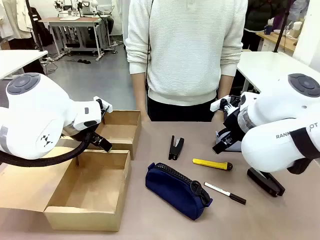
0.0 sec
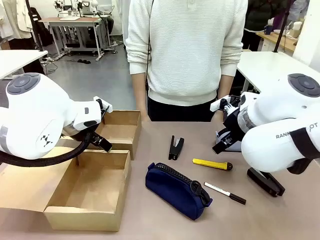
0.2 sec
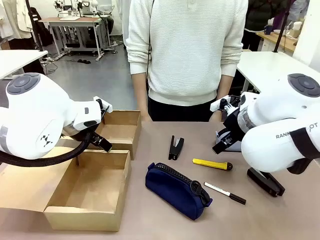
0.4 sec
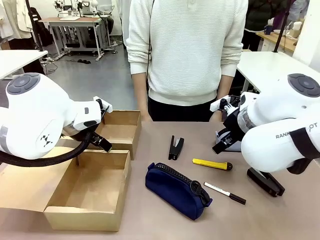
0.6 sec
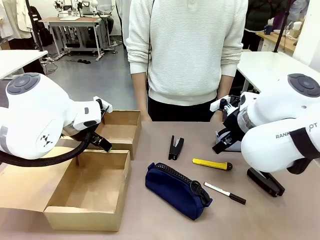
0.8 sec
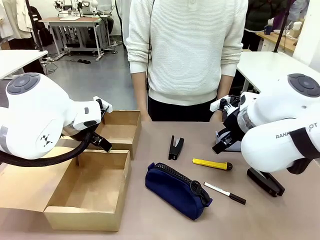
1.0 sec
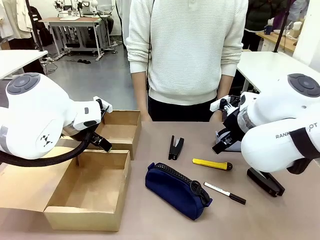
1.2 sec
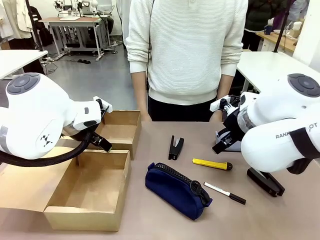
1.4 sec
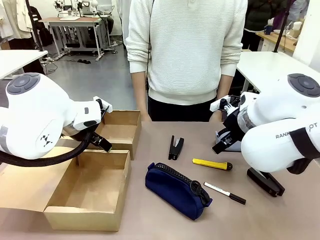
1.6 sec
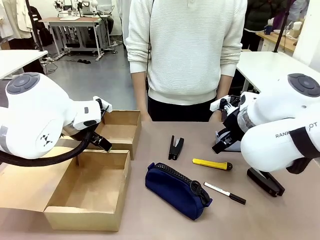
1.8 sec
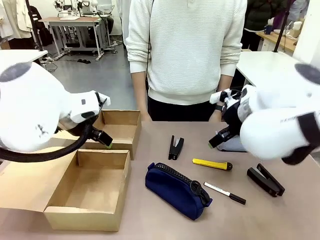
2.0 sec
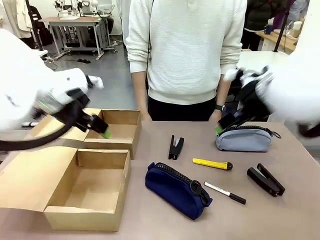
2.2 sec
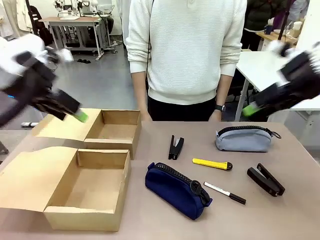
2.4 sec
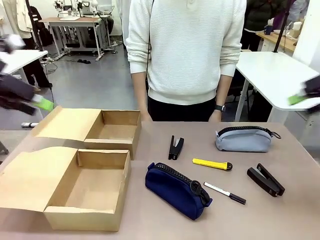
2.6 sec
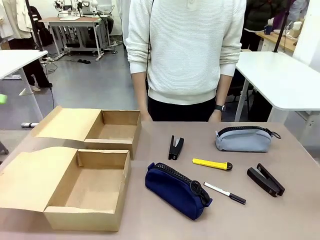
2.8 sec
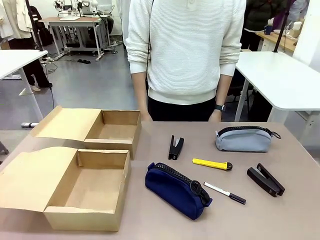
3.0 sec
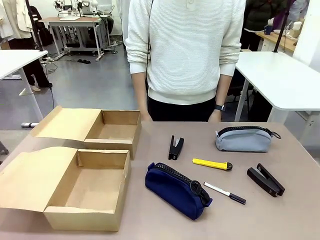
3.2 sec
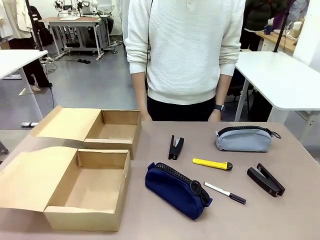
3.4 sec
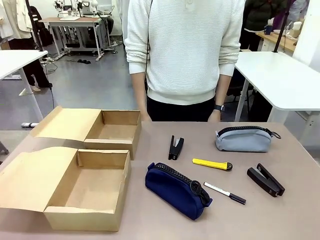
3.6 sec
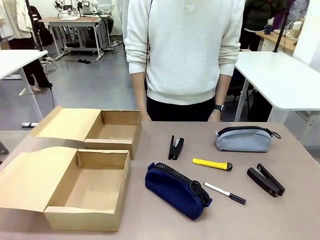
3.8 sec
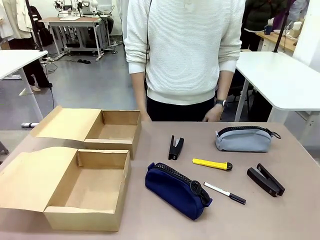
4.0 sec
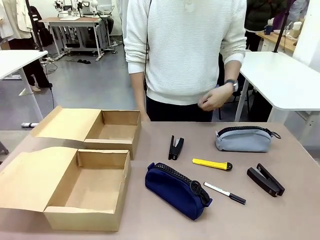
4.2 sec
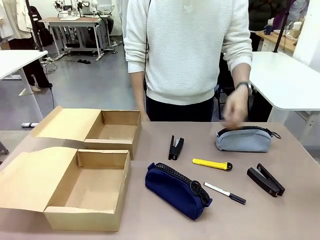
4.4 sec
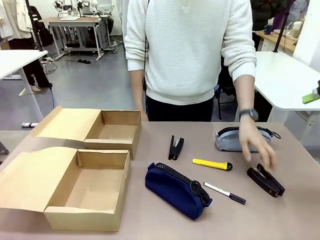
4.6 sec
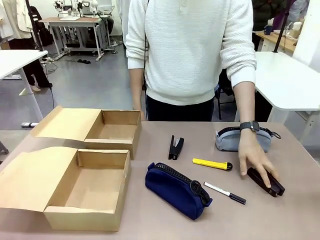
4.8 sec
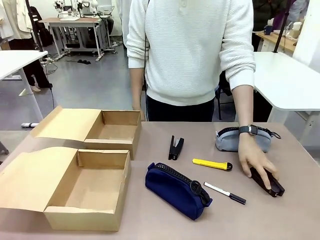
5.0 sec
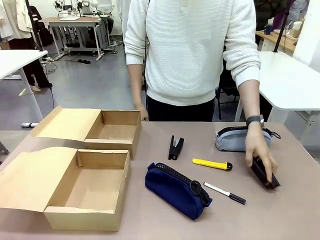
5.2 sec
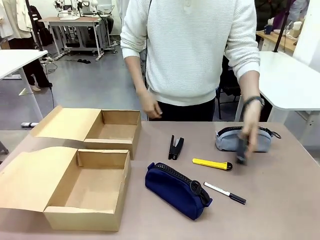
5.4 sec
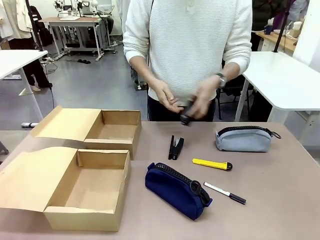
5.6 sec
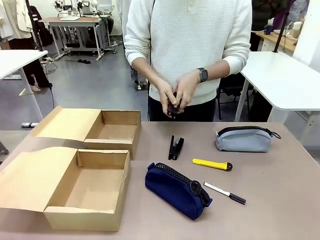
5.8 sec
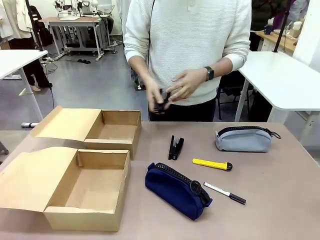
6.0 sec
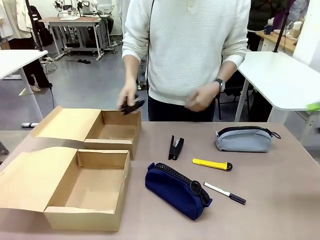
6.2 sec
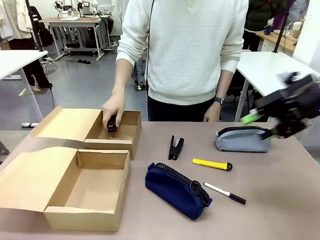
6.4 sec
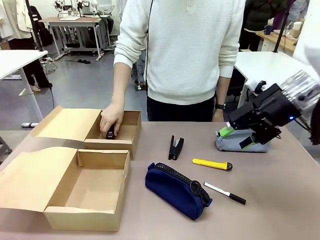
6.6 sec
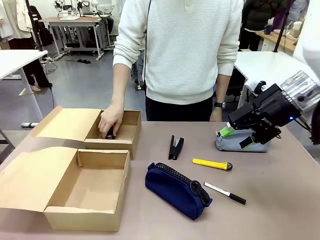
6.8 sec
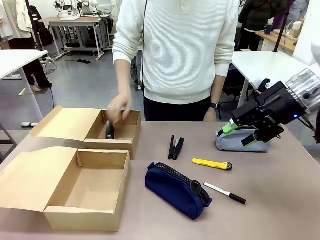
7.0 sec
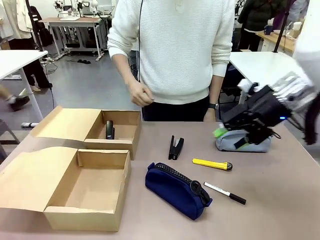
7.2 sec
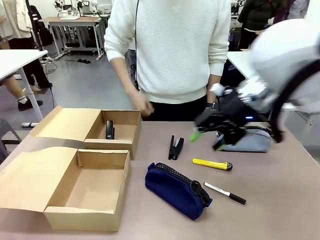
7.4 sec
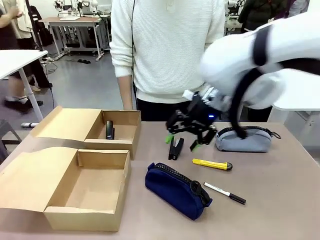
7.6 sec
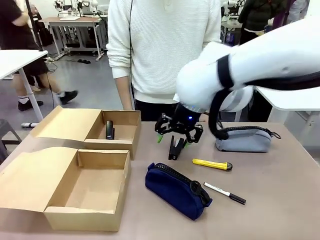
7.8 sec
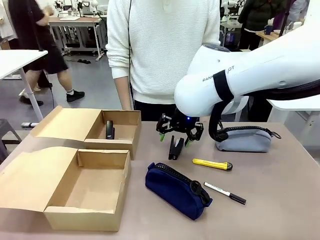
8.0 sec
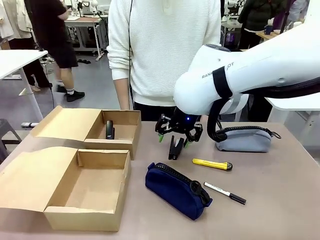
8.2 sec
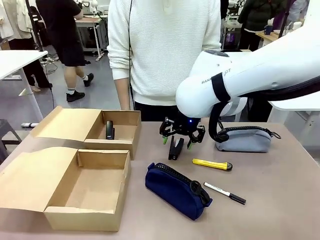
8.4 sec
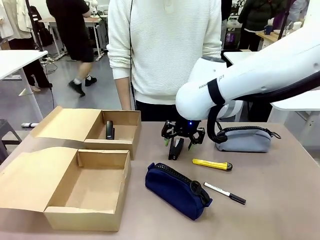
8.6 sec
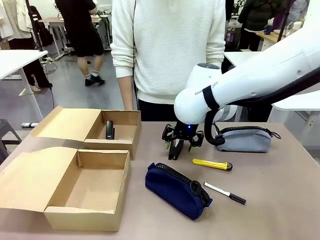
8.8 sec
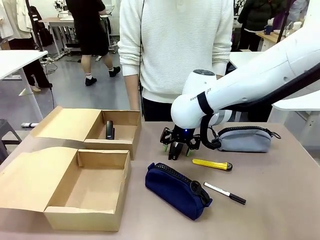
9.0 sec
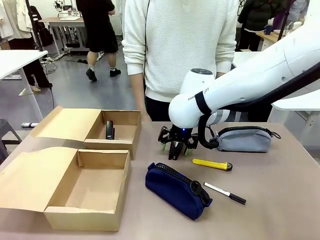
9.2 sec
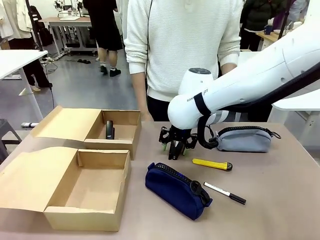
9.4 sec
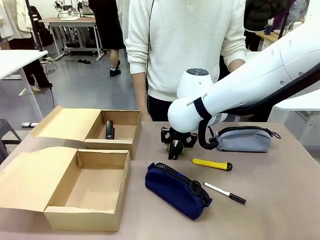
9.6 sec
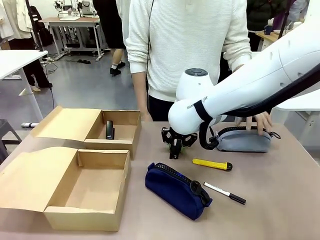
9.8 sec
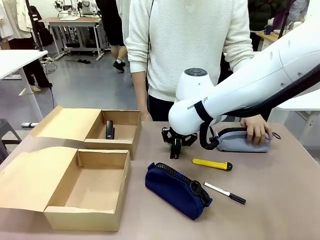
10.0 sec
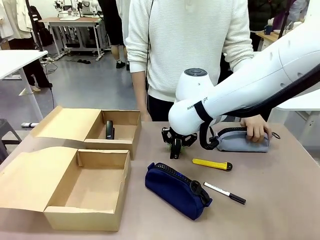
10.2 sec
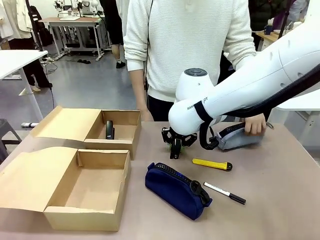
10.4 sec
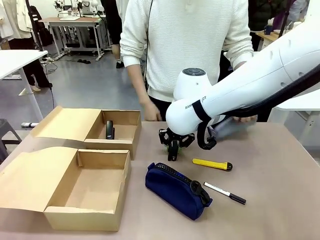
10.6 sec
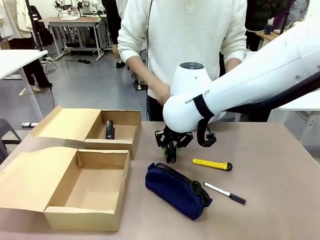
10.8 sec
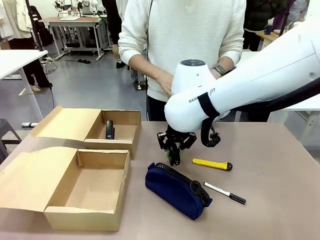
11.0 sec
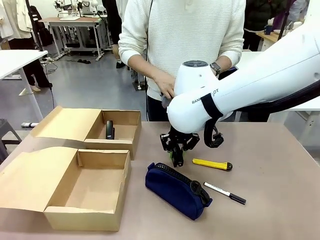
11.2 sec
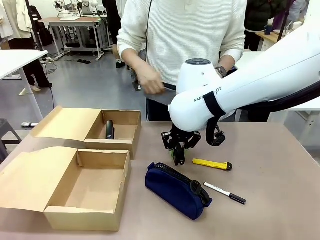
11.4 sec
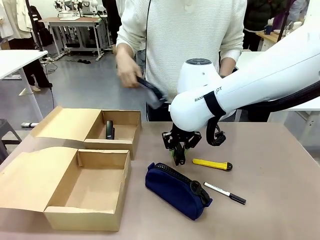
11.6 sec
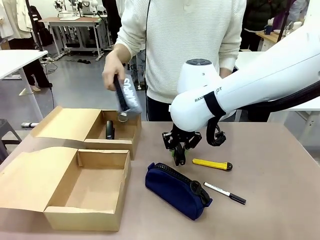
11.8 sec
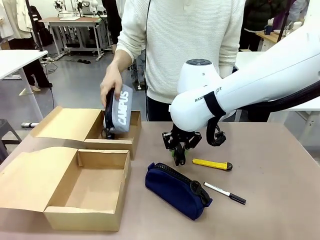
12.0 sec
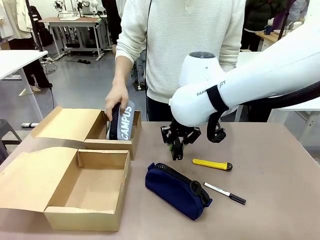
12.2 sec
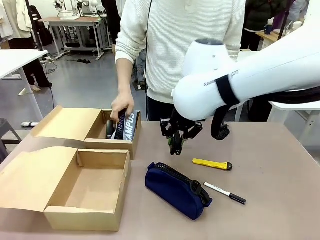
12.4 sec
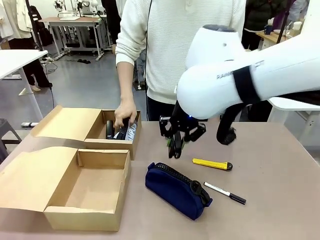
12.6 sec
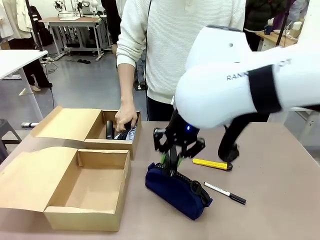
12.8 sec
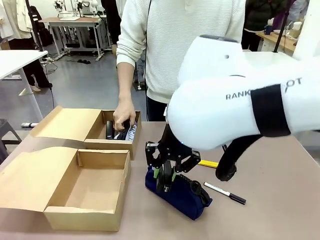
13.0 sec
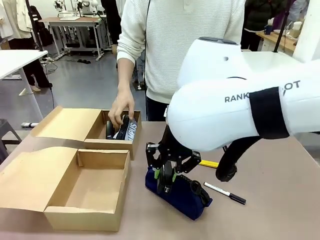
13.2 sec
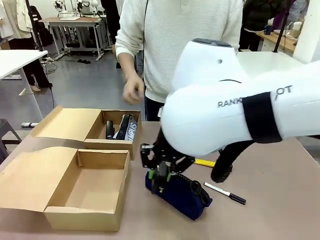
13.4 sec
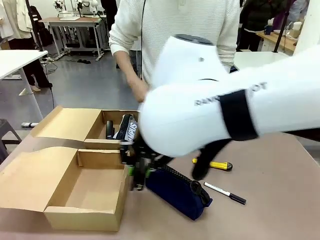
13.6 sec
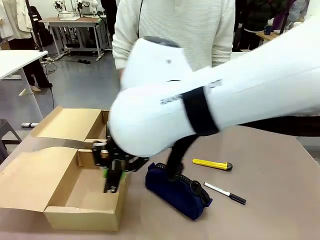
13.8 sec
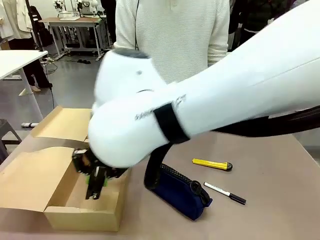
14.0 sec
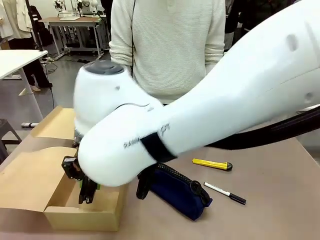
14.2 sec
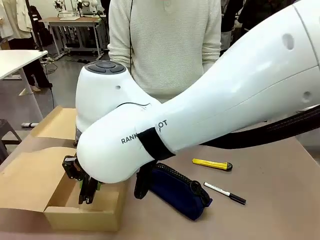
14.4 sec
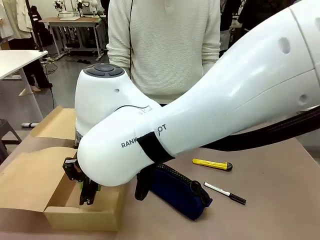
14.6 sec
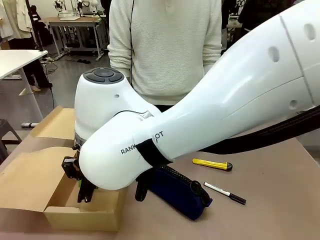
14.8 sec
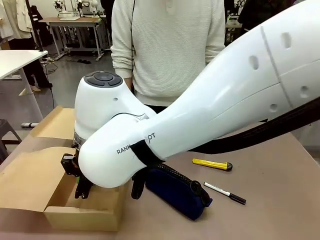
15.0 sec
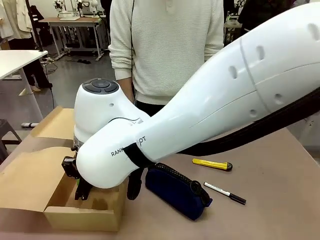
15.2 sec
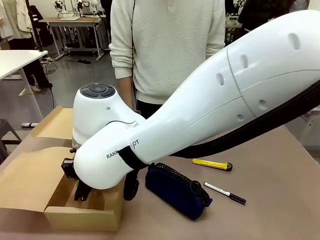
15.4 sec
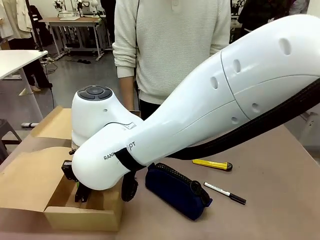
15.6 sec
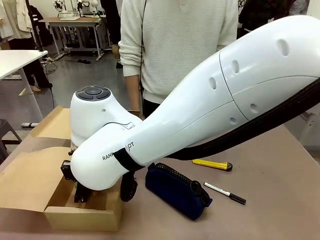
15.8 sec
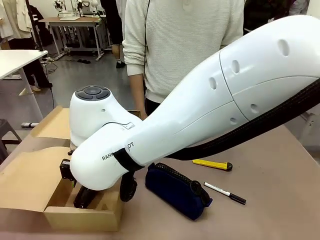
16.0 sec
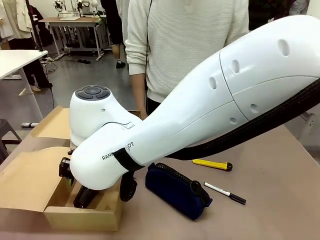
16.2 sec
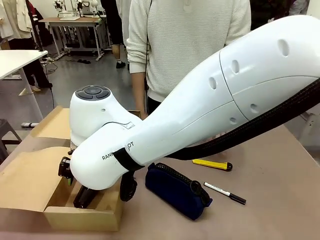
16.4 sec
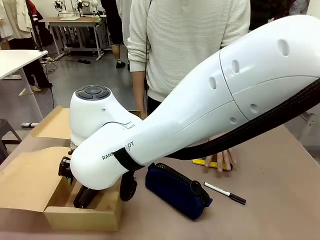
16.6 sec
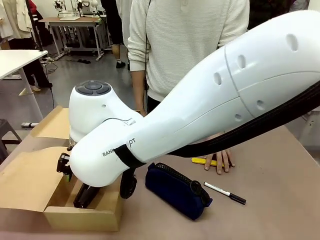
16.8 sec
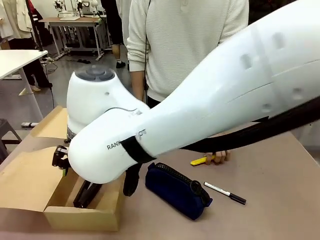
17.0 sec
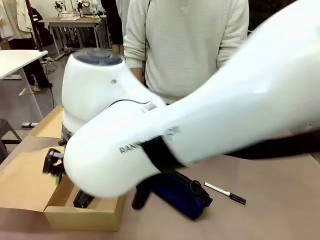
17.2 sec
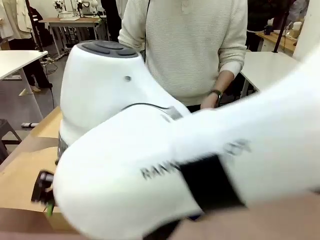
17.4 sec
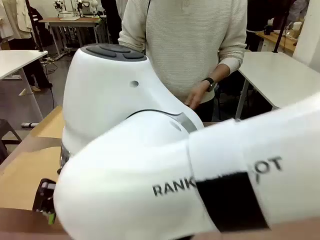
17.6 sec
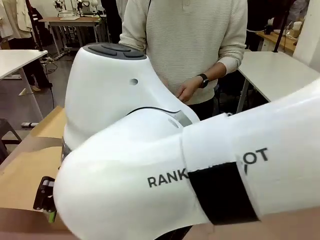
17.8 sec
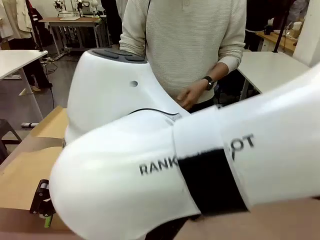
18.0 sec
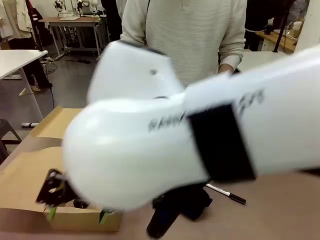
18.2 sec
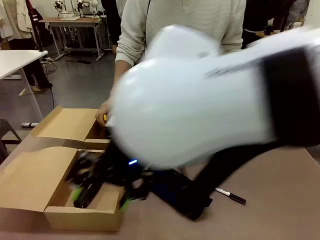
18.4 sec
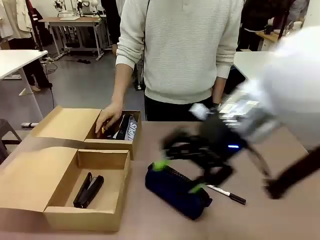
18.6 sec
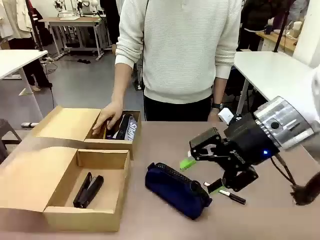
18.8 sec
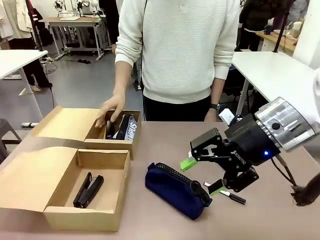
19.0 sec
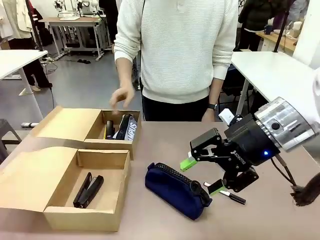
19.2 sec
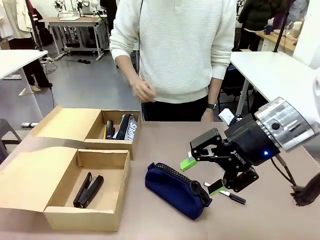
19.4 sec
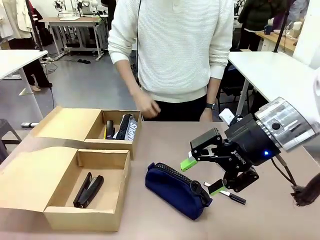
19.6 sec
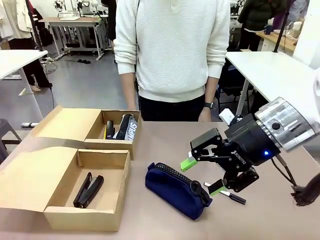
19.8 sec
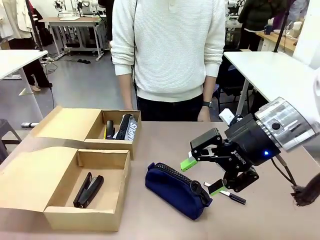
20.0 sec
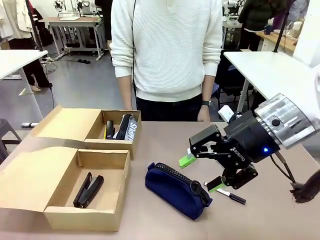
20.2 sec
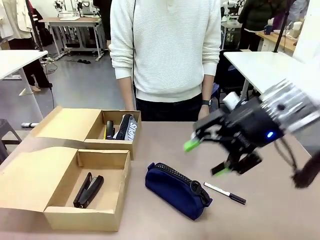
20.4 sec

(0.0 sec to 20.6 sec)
Task: Place items inside the box.
Robot: Pick up a Pencil pouch or Stapler and place it inside the Mailer Box closest to the robot.
Person: Pick up an object on the table and put it in the box.
